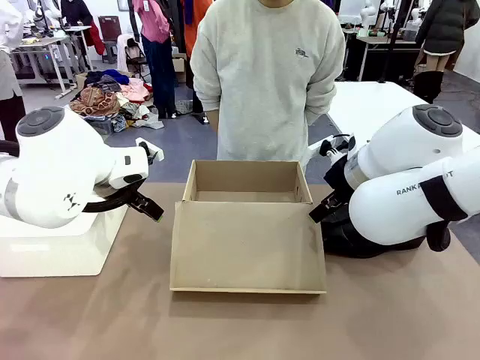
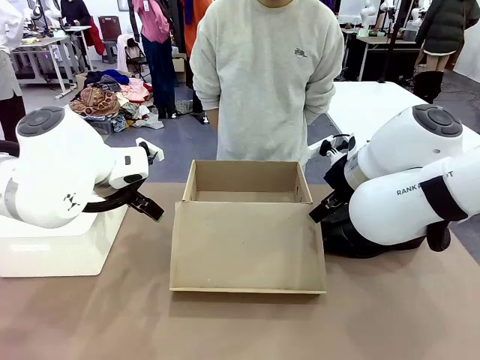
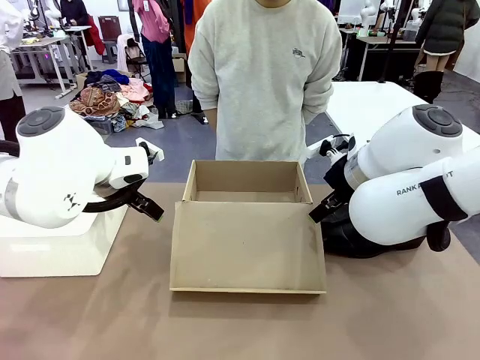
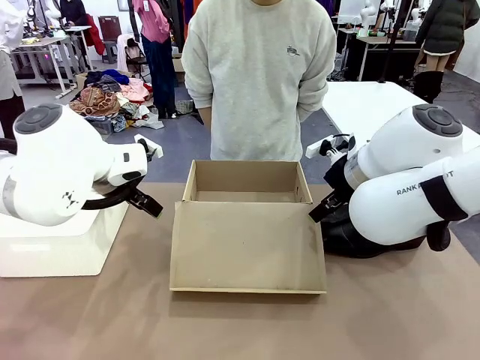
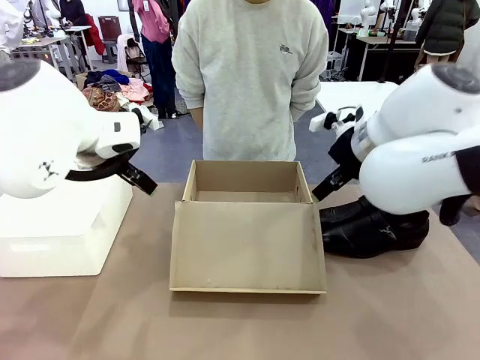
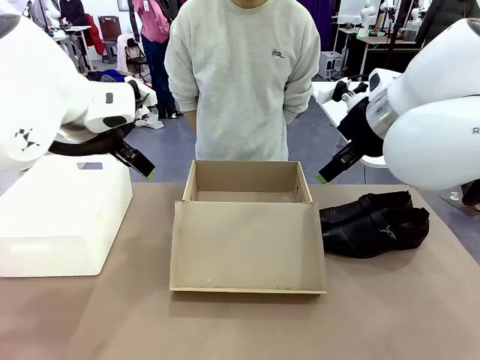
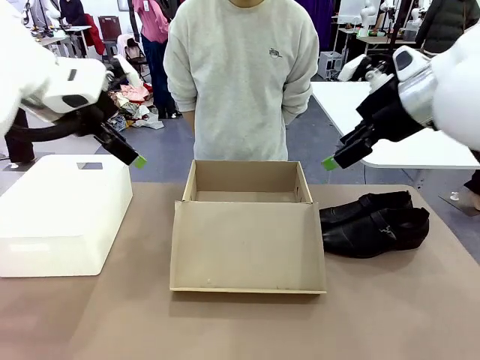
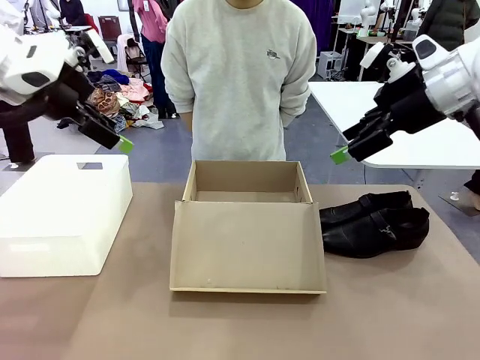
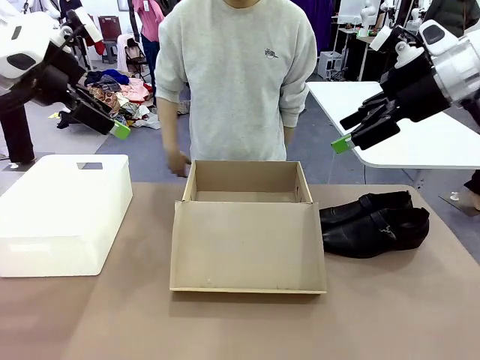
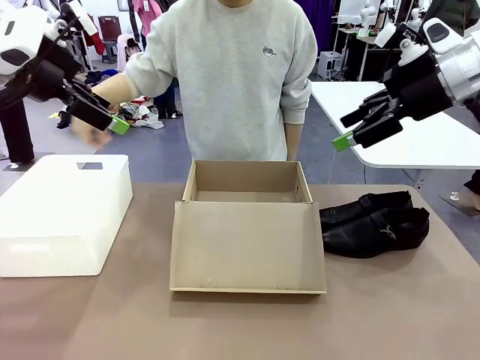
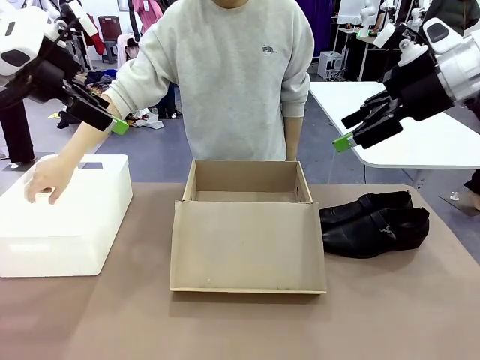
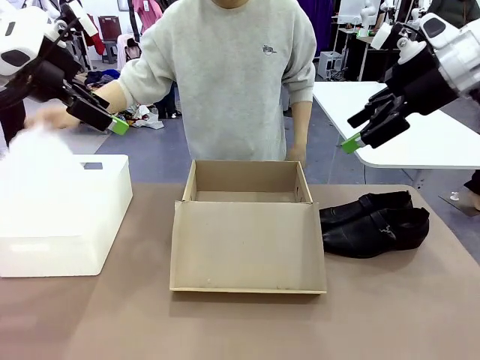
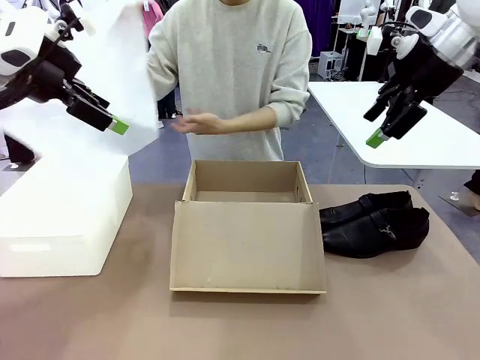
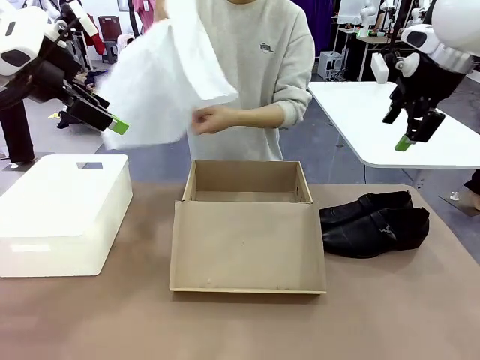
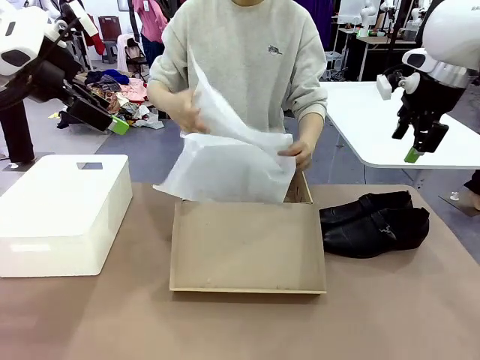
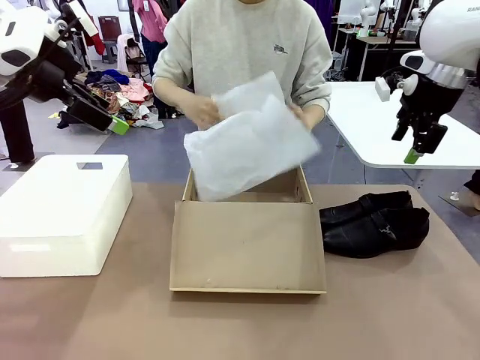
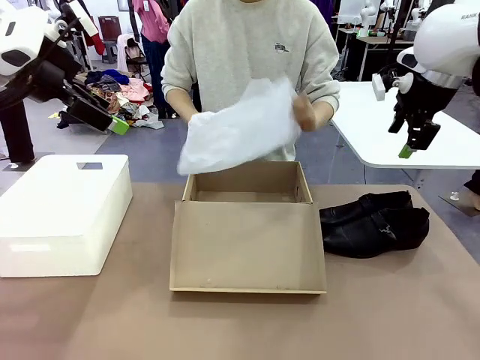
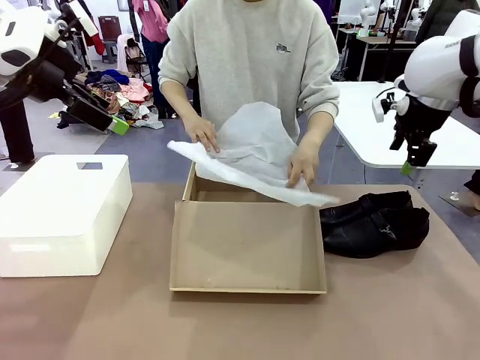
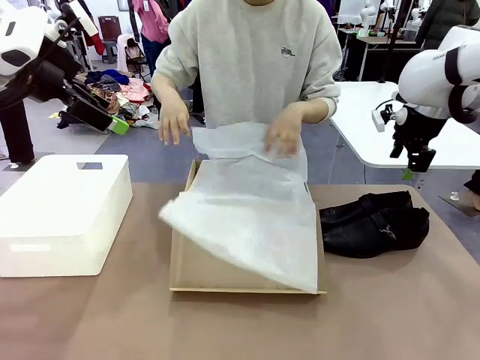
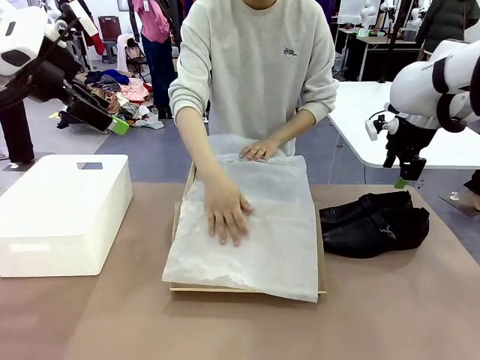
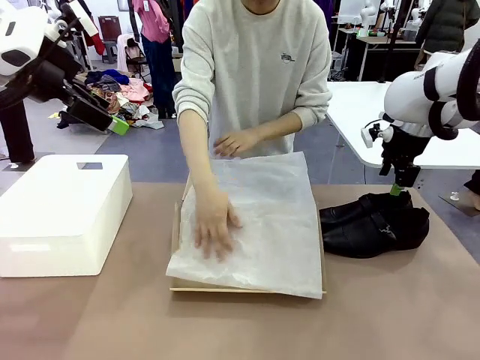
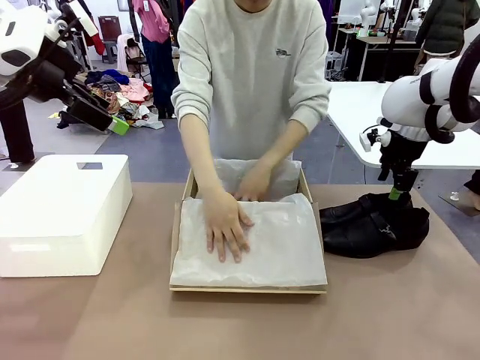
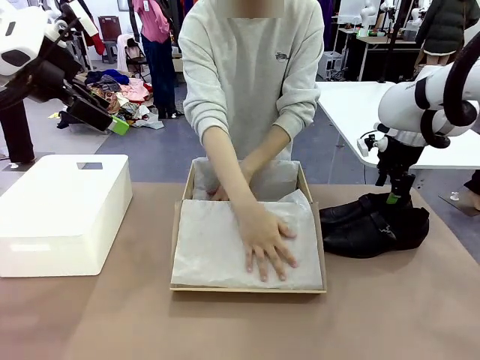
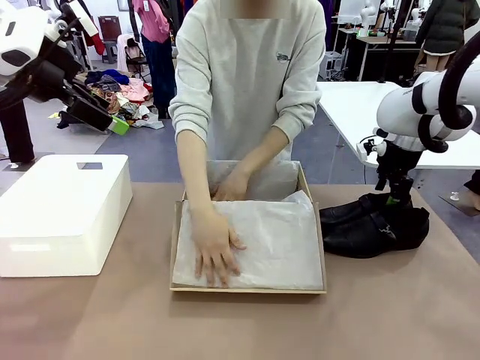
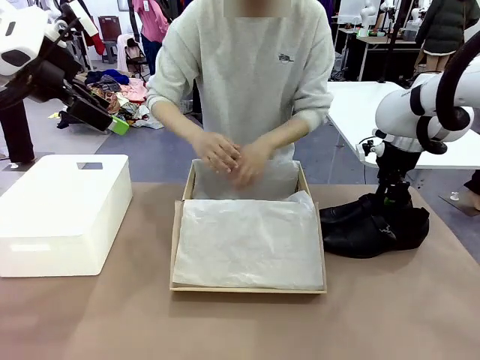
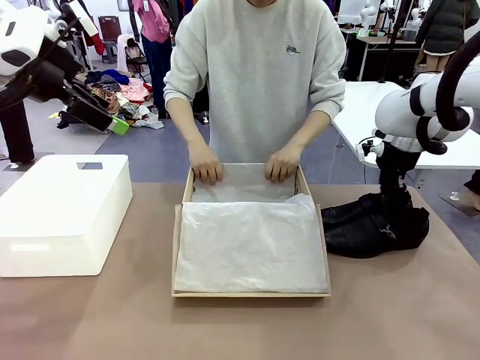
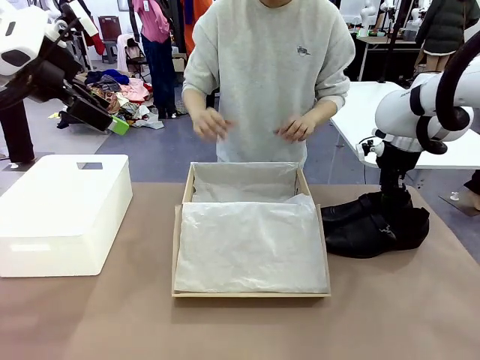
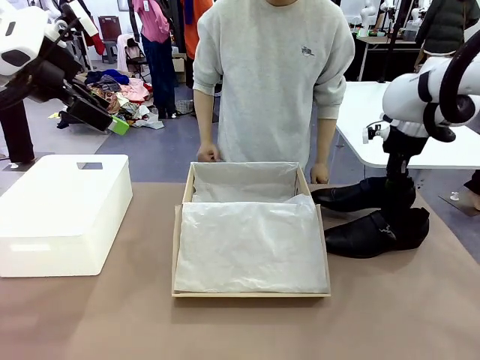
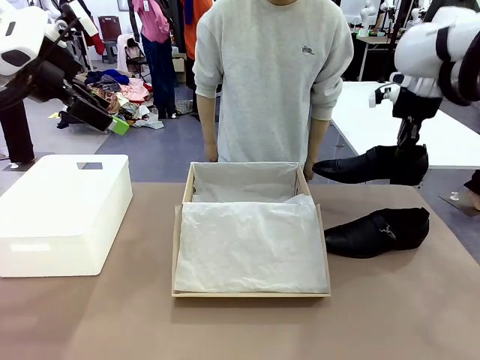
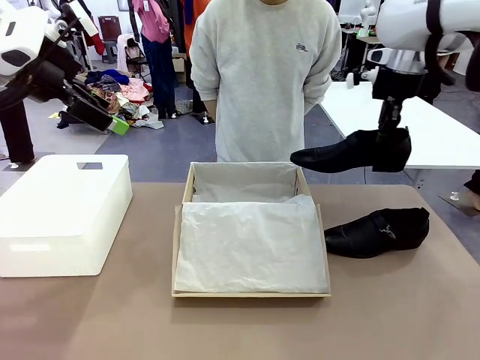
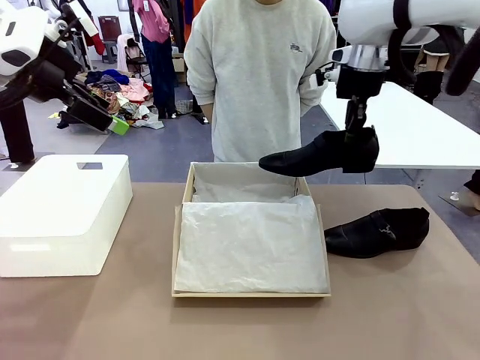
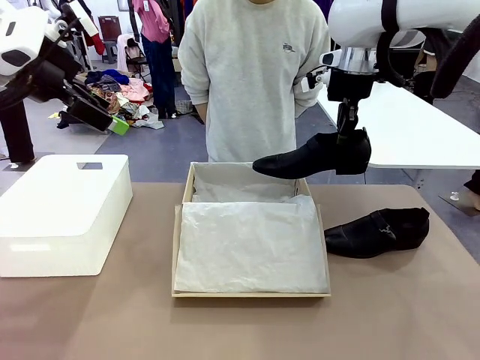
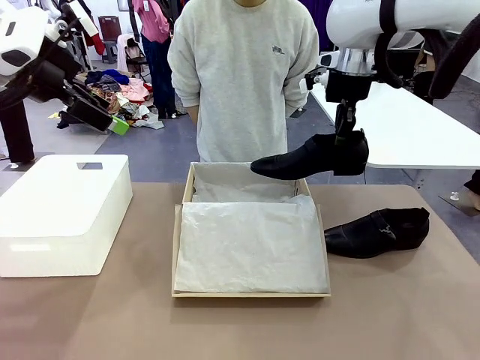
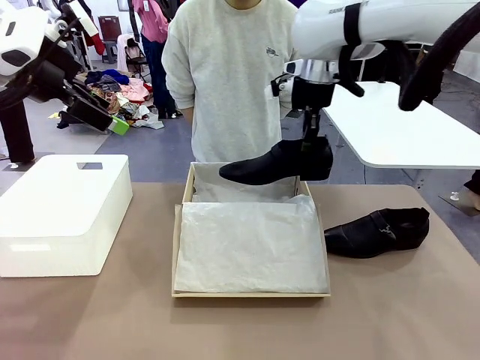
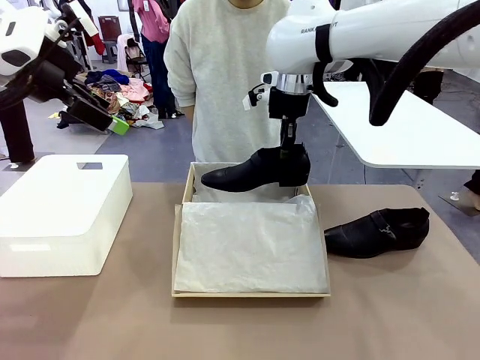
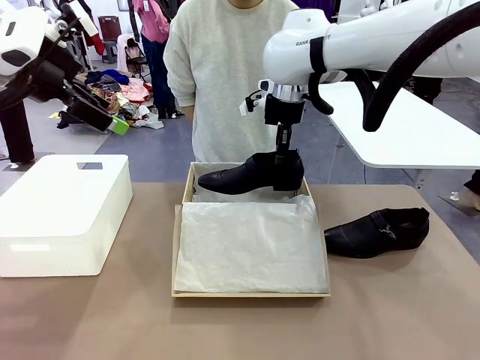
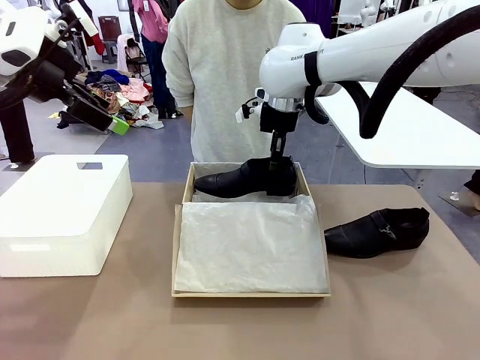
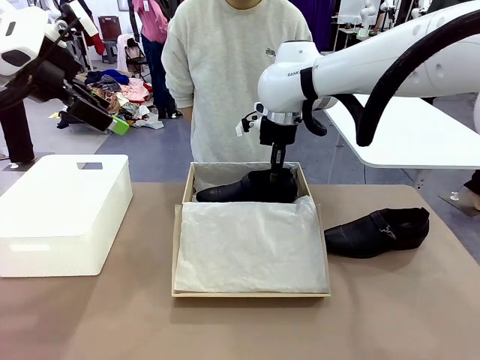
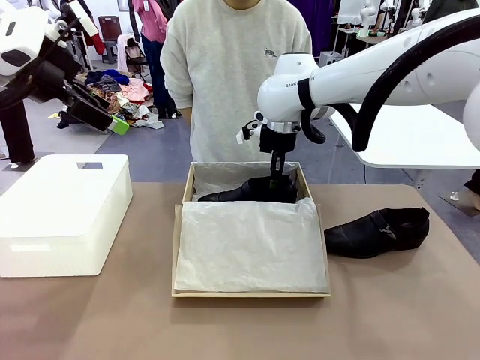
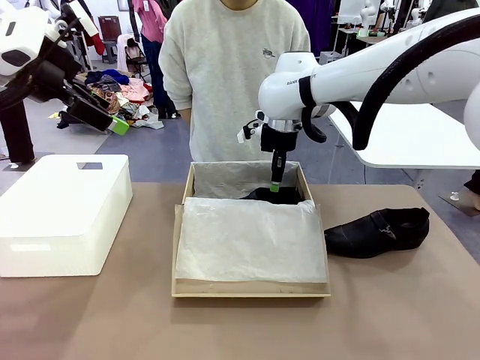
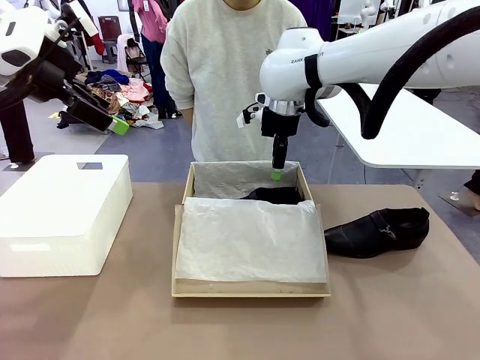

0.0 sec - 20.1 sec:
Task: Pack the shoes into the box.
Robot: Place one shoe of the Shoes into the Shoes Box.
Person: Spread Shoes Wrapping Paper and place inside the Shoes Box.
